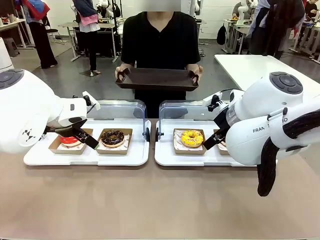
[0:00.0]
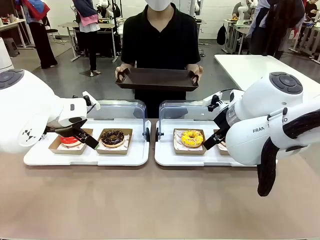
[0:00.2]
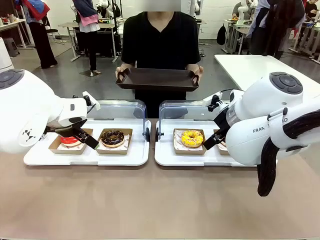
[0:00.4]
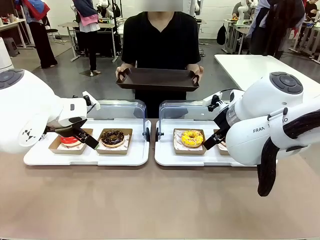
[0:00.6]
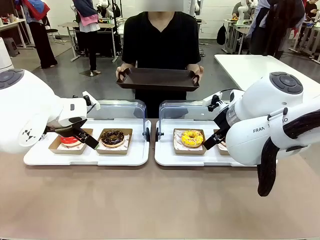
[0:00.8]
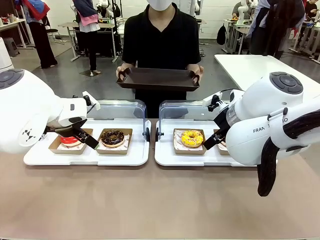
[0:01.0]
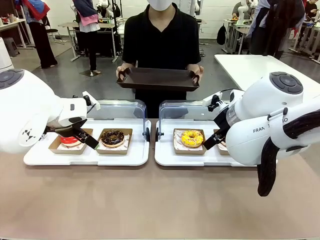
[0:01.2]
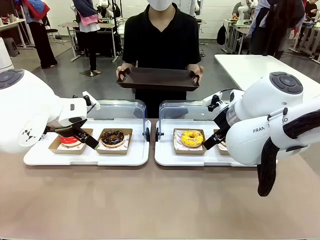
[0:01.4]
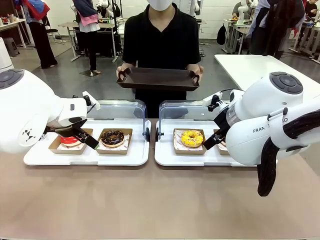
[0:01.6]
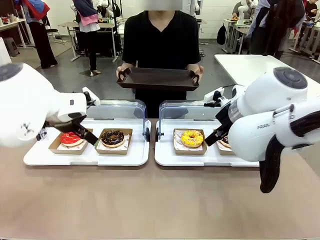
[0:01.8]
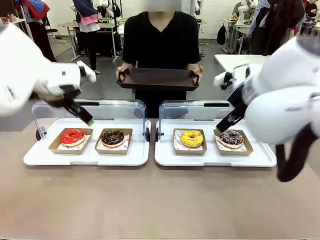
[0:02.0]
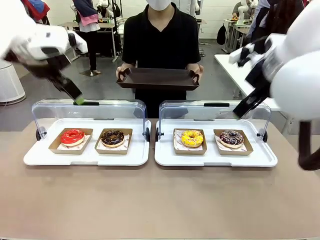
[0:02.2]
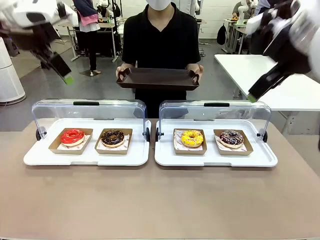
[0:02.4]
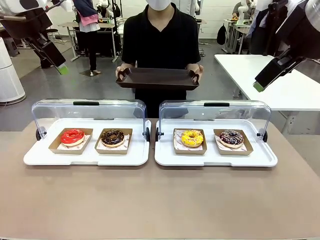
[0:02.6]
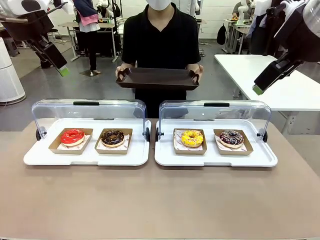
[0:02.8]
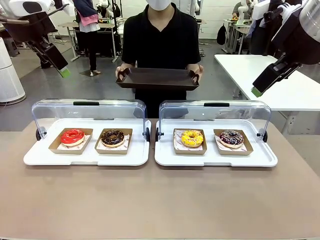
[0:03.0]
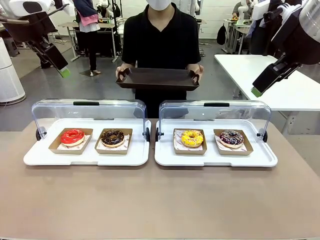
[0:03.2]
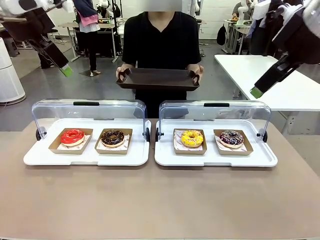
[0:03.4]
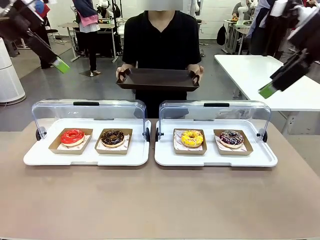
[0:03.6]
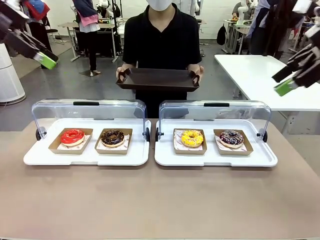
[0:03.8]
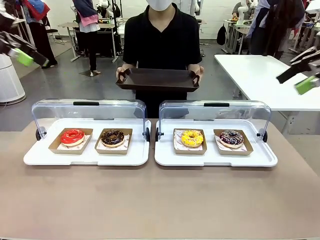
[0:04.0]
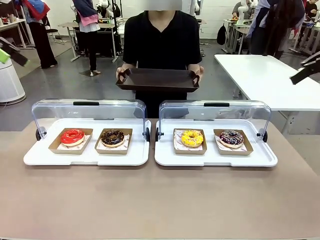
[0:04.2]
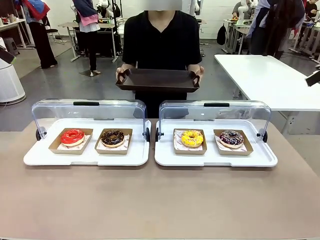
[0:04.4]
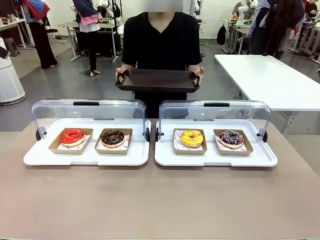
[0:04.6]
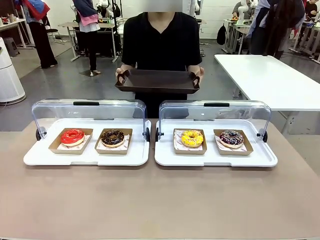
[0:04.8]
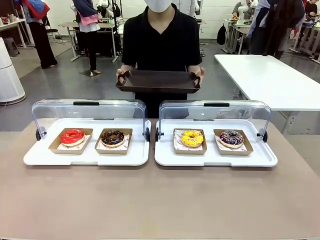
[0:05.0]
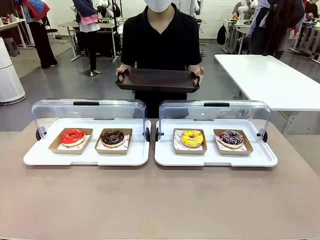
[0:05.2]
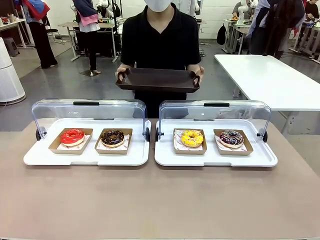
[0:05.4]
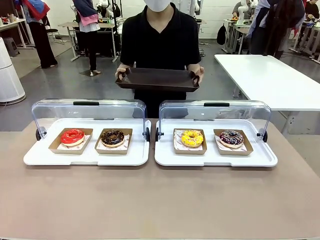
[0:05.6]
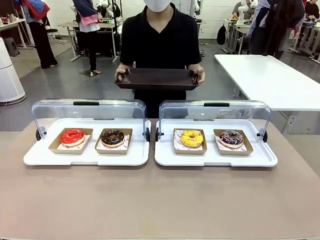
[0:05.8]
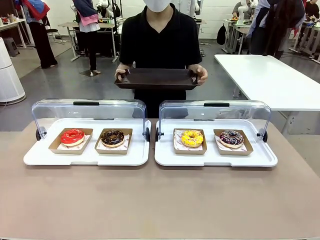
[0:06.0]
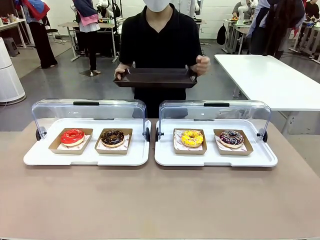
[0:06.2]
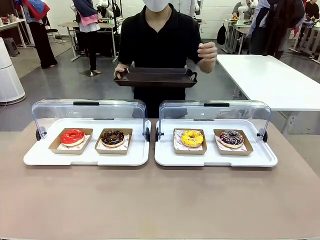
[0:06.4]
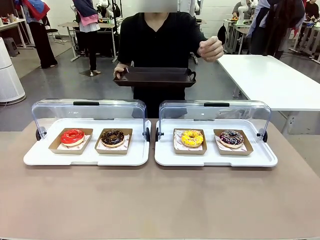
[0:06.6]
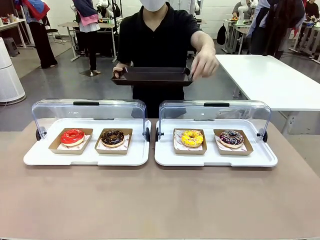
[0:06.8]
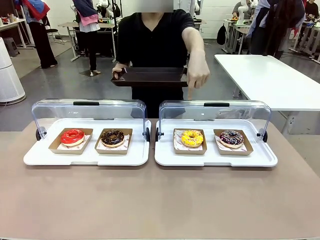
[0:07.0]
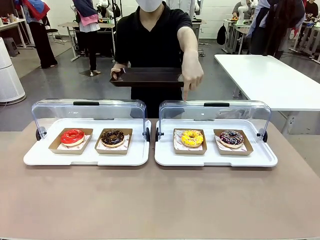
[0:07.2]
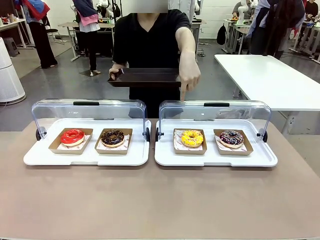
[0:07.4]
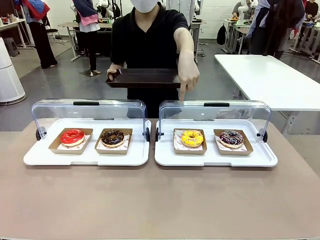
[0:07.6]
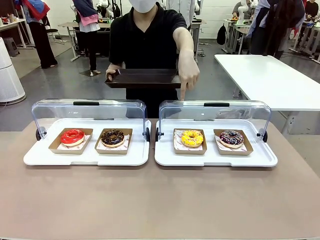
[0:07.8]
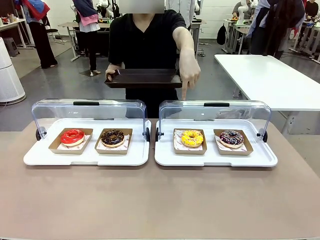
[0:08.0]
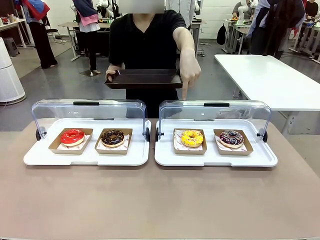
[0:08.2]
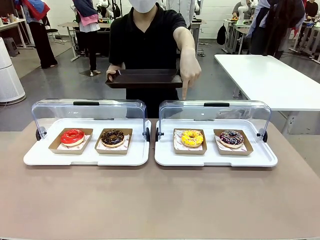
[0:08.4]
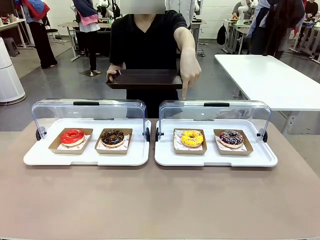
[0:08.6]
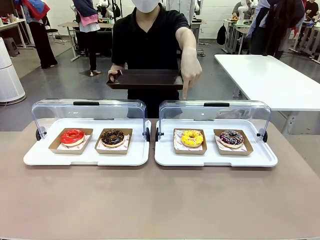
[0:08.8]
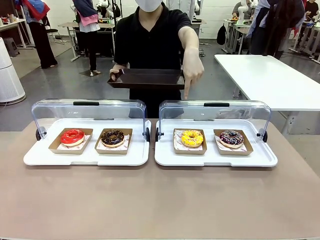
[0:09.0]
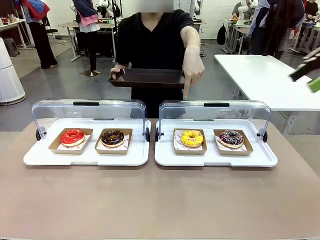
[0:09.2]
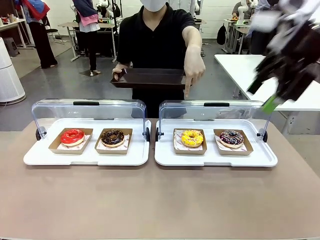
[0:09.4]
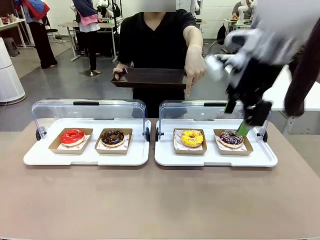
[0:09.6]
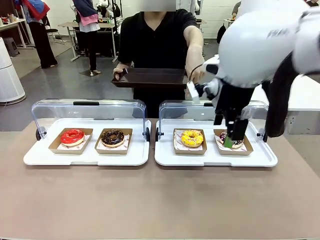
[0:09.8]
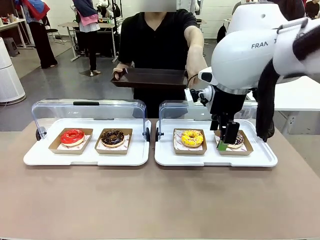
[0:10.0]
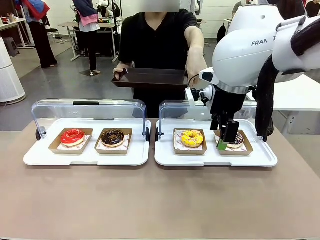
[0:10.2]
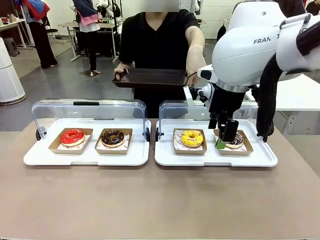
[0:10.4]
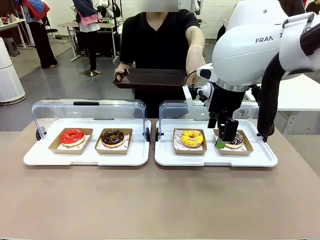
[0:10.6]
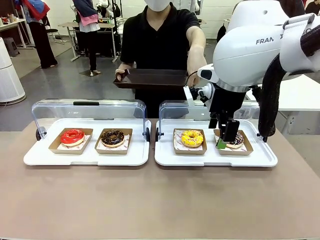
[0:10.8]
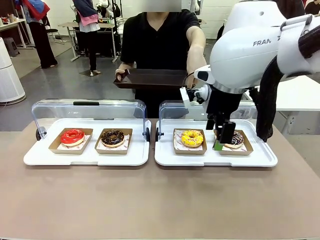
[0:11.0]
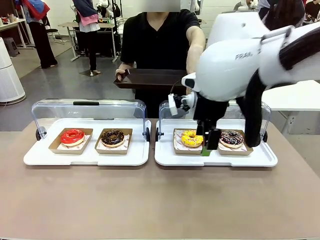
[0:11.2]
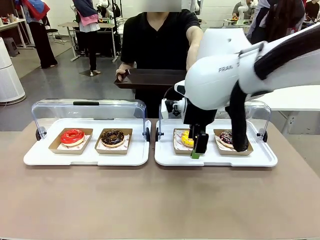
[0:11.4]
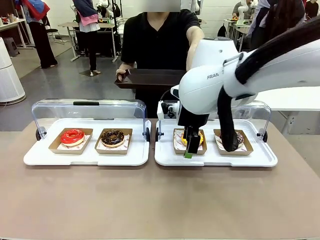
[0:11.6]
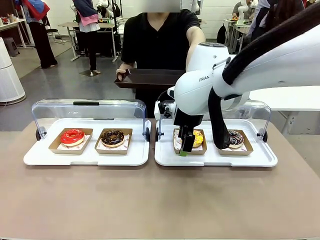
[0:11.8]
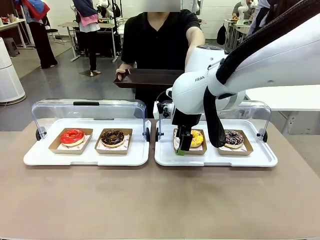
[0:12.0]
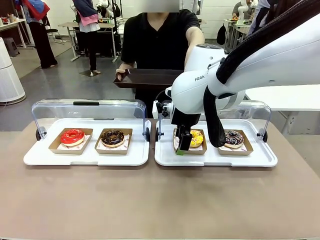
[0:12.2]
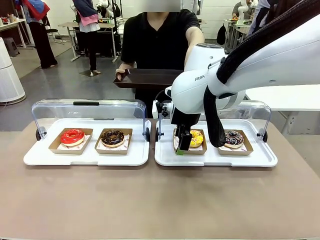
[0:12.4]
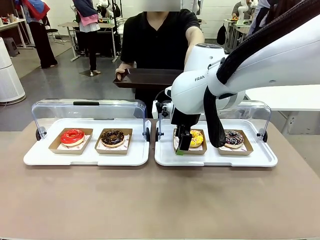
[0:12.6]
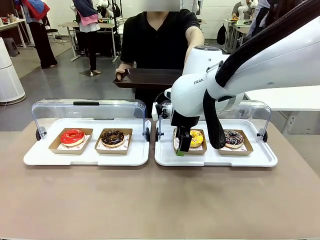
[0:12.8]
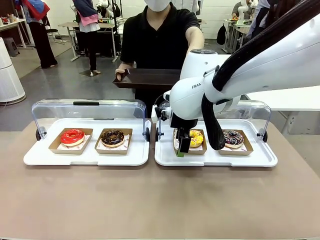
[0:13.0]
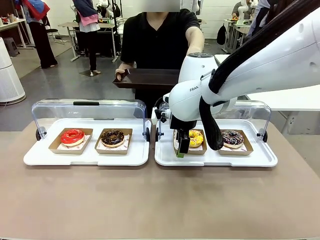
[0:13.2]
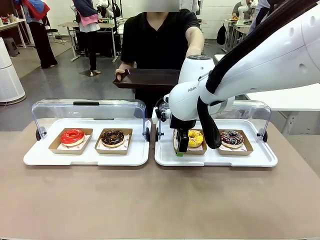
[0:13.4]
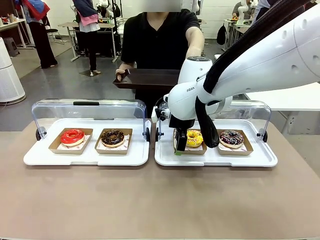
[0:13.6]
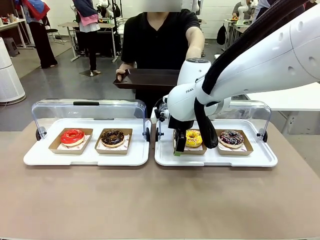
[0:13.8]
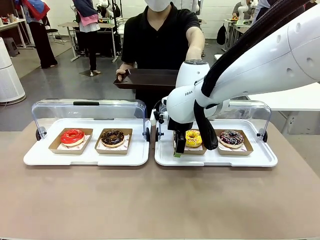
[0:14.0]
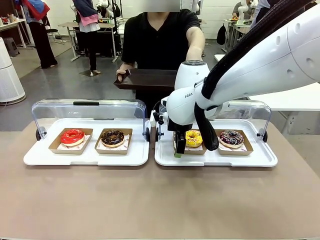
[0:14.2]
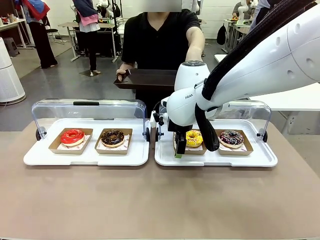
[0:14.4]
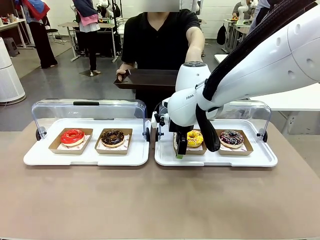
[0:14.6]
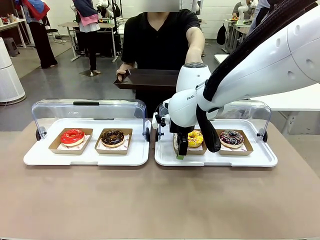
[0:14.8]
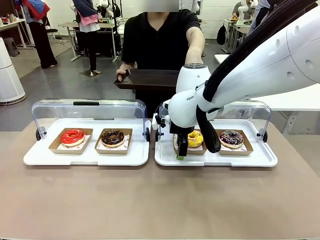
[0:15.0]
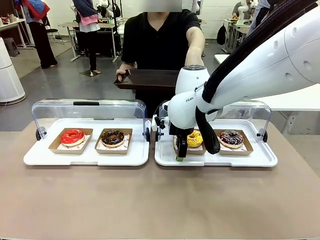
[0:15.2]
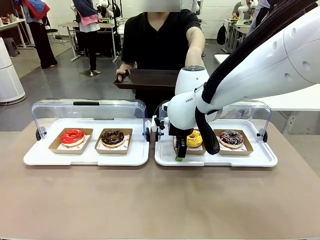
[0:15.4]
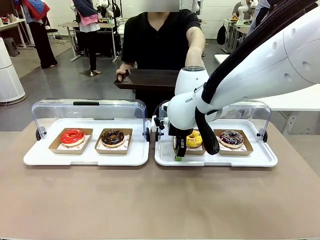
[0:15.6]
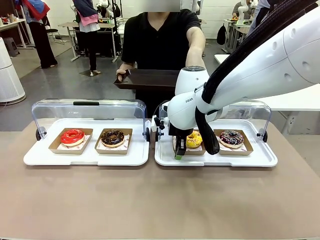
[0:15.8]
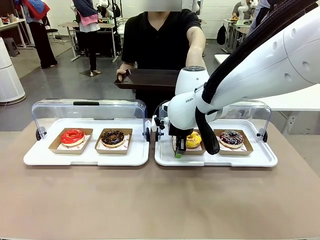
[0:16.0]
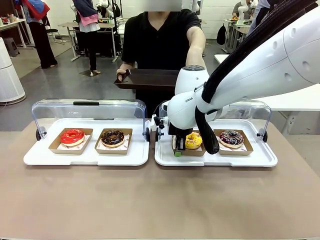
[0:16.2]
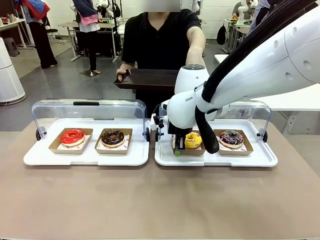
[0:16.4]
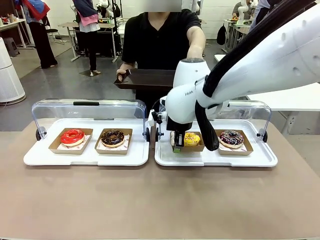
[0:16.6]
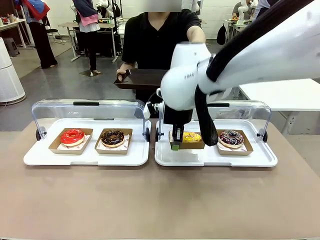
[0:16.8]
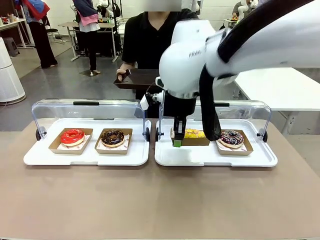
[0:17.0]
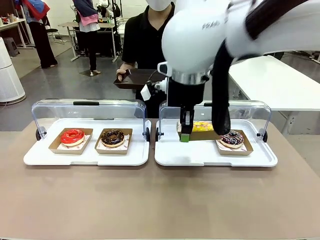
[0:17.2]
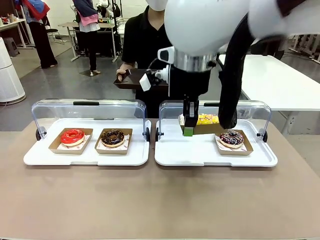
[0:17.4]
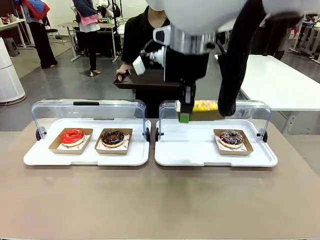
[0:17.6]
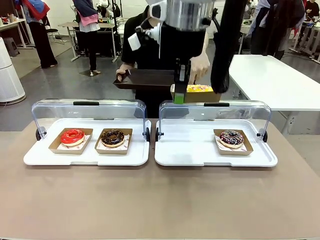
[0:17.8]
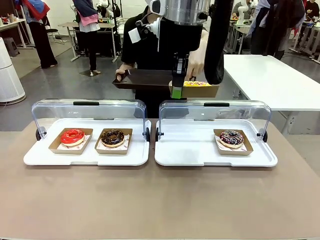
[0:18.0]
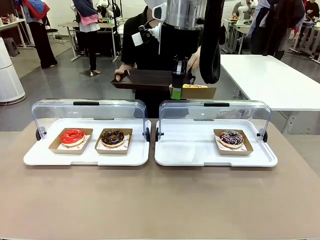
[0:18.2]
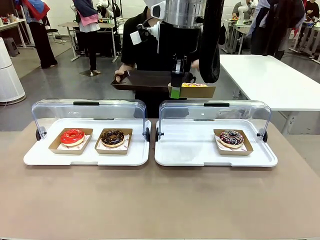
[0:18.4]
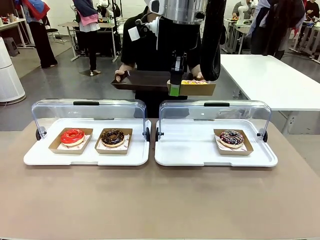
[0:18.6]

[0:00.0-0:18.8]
Task: Provide the desired donut to the person.
Robot: Pick up and lift the Paper togo box containing the Donut pointed at by the person.
Person: Point to one donut. Lift the tray onto the Roll-Top Bakery Case.
